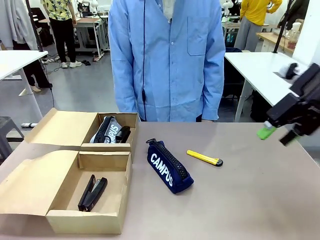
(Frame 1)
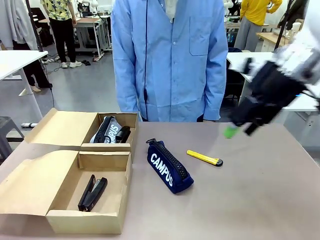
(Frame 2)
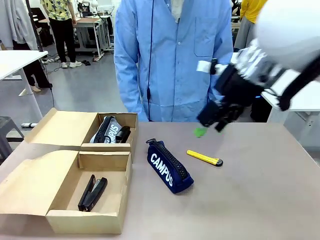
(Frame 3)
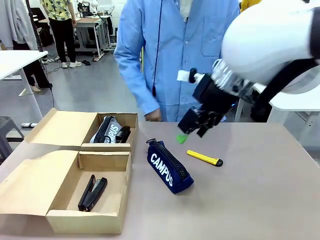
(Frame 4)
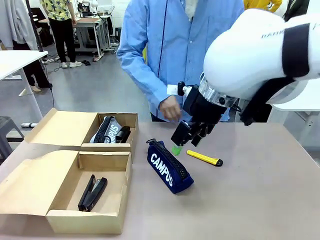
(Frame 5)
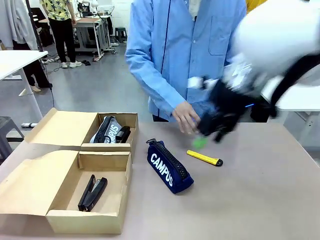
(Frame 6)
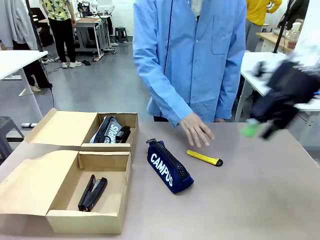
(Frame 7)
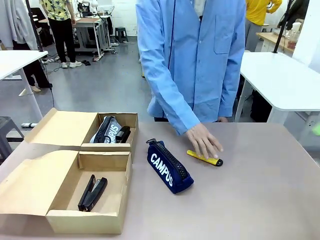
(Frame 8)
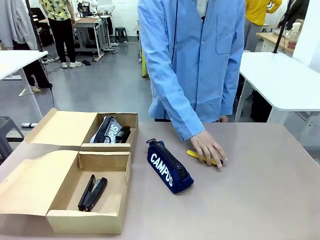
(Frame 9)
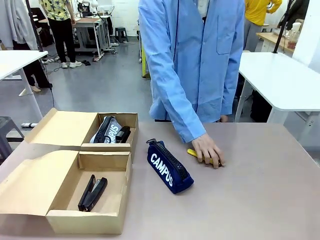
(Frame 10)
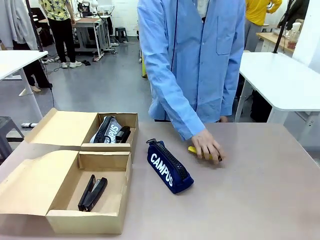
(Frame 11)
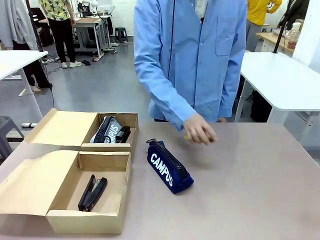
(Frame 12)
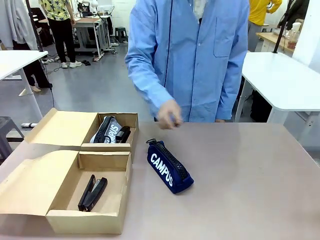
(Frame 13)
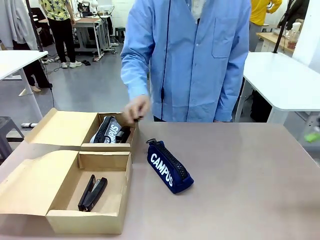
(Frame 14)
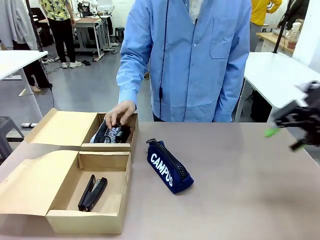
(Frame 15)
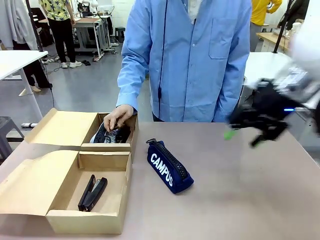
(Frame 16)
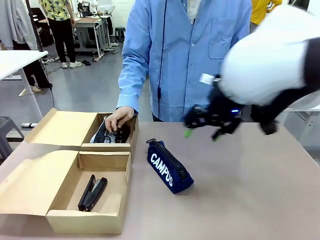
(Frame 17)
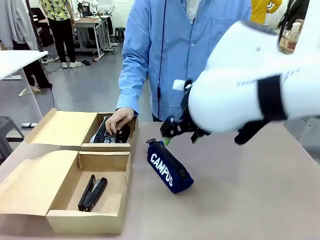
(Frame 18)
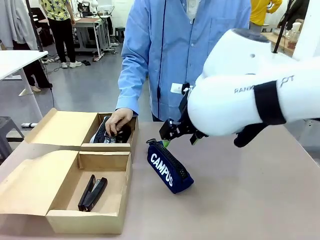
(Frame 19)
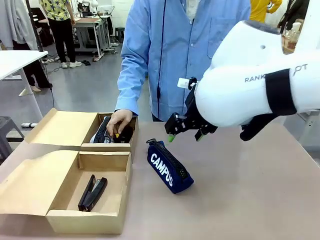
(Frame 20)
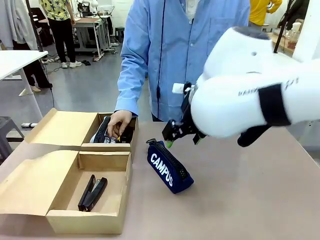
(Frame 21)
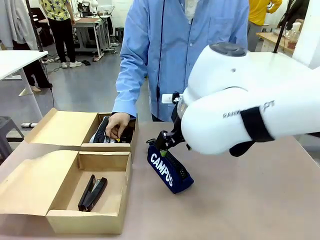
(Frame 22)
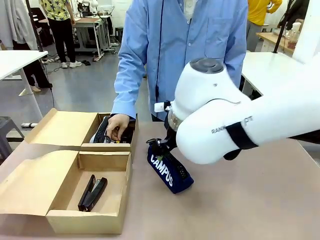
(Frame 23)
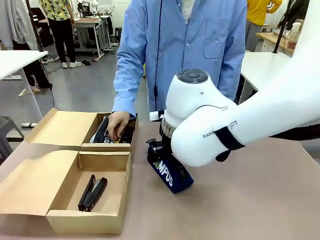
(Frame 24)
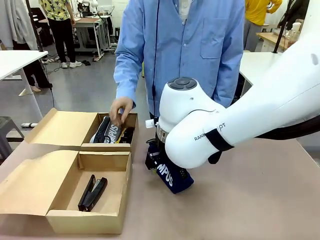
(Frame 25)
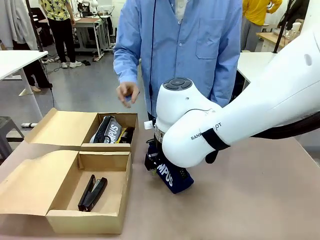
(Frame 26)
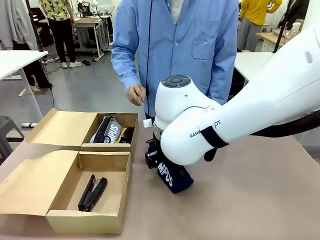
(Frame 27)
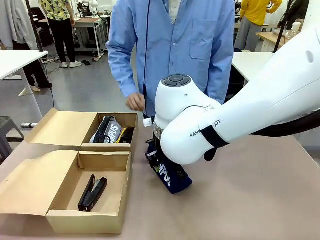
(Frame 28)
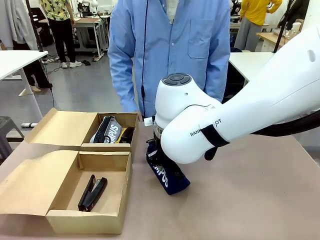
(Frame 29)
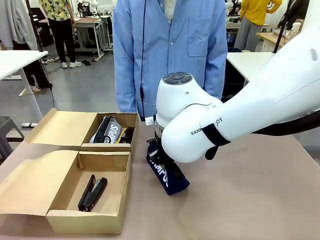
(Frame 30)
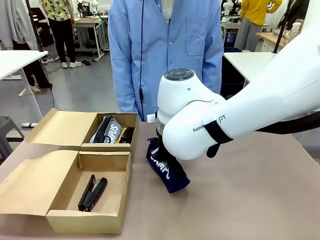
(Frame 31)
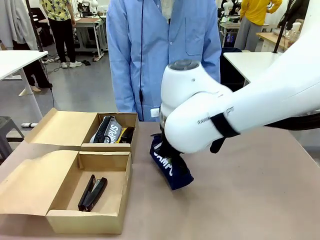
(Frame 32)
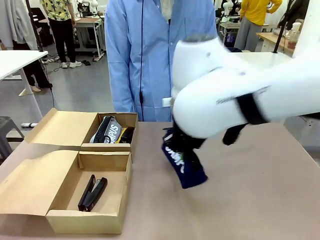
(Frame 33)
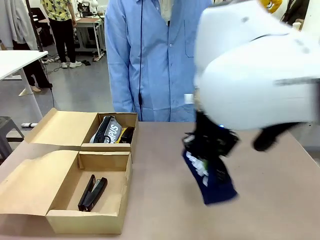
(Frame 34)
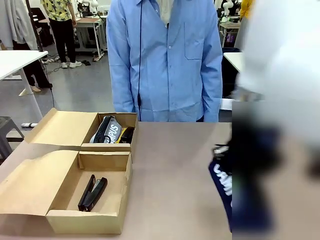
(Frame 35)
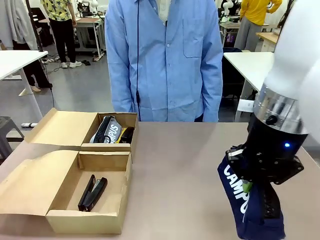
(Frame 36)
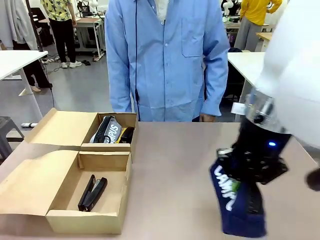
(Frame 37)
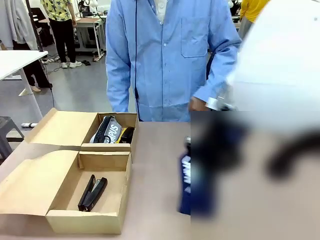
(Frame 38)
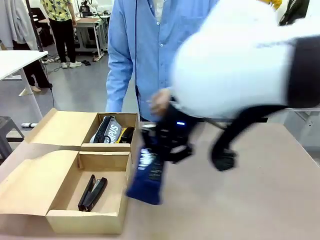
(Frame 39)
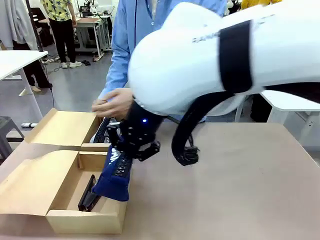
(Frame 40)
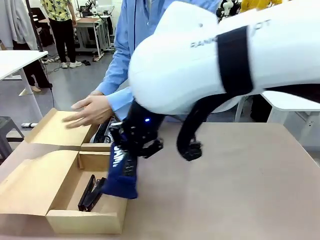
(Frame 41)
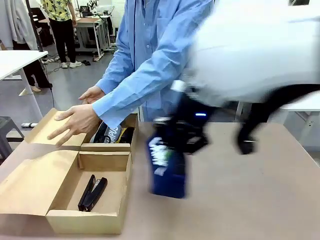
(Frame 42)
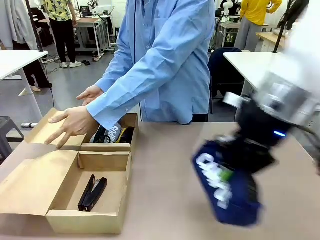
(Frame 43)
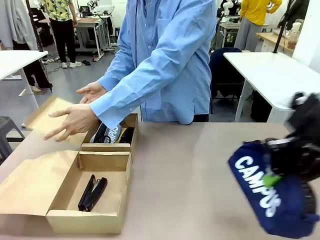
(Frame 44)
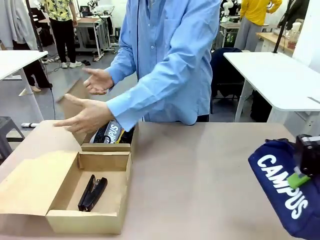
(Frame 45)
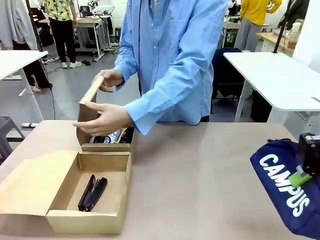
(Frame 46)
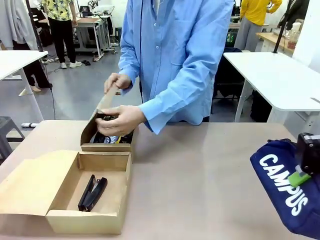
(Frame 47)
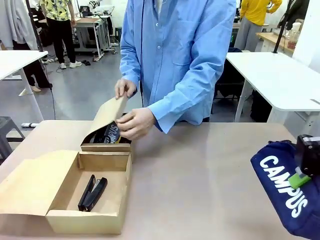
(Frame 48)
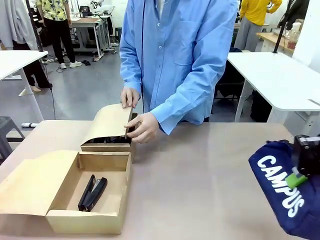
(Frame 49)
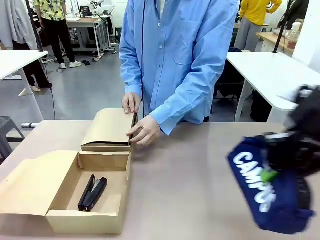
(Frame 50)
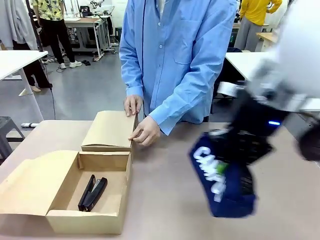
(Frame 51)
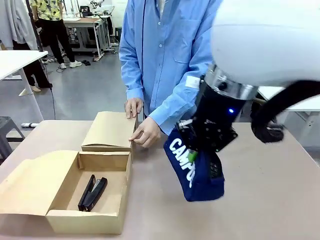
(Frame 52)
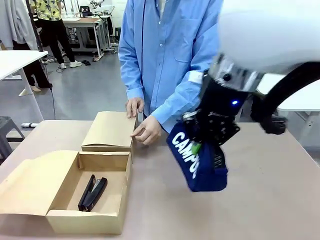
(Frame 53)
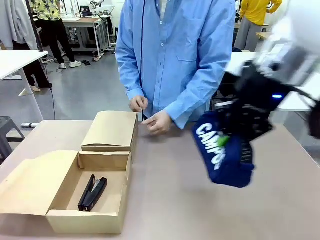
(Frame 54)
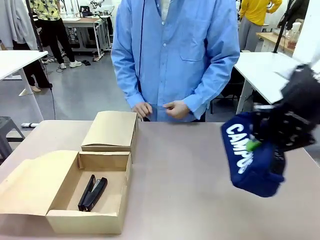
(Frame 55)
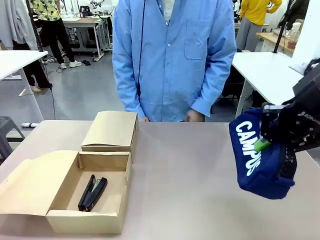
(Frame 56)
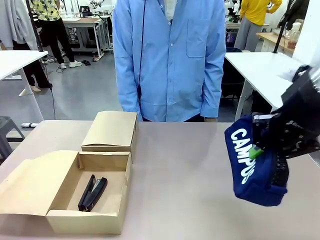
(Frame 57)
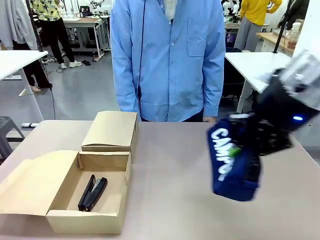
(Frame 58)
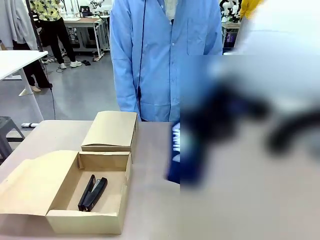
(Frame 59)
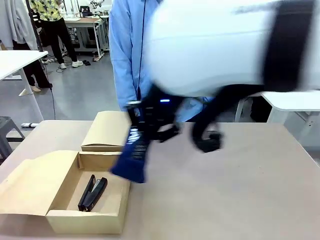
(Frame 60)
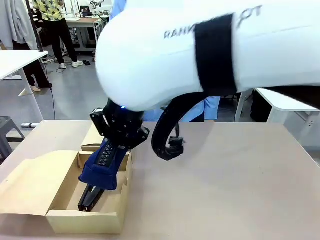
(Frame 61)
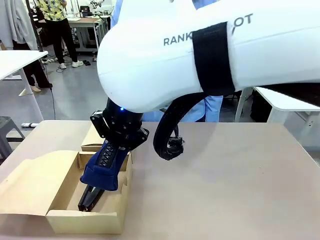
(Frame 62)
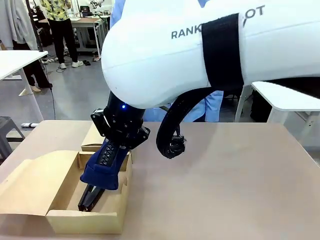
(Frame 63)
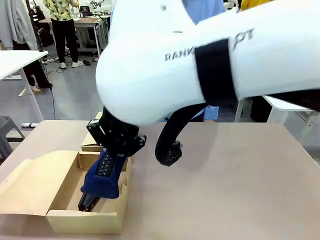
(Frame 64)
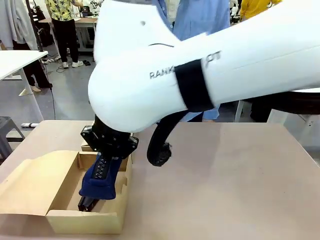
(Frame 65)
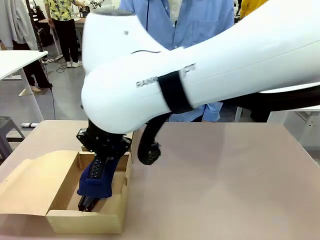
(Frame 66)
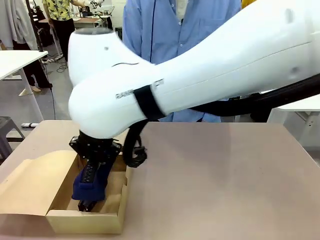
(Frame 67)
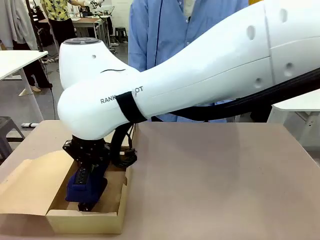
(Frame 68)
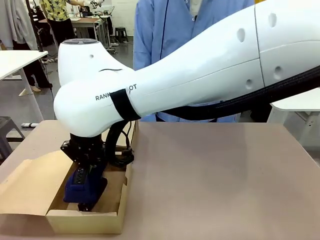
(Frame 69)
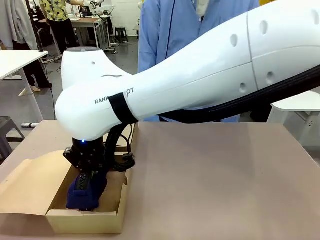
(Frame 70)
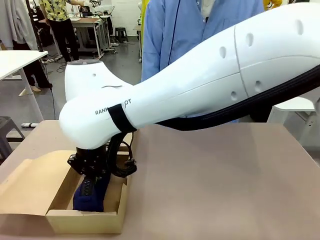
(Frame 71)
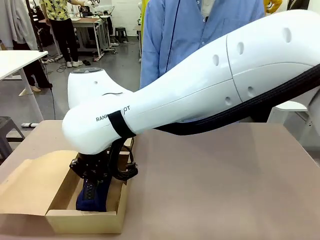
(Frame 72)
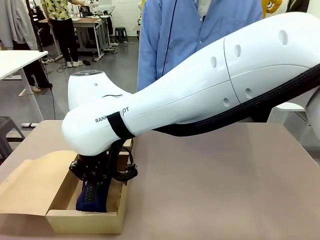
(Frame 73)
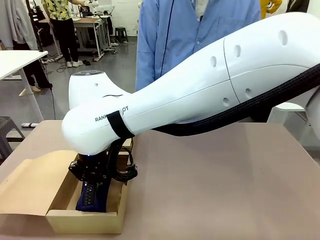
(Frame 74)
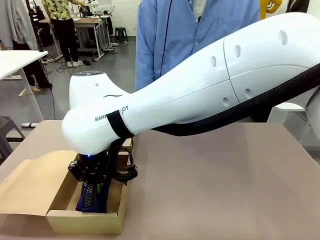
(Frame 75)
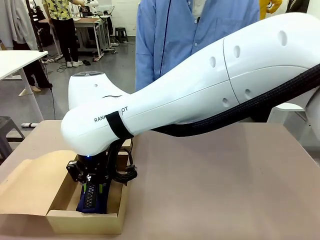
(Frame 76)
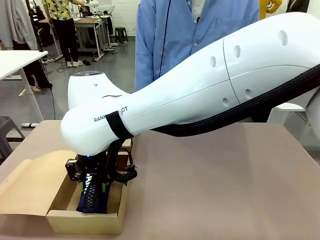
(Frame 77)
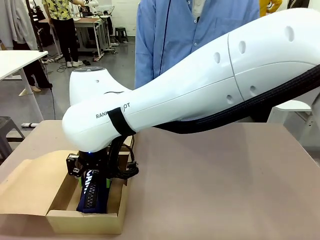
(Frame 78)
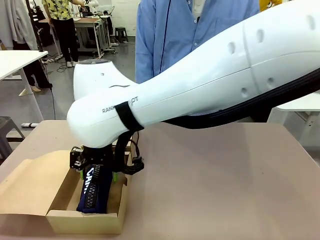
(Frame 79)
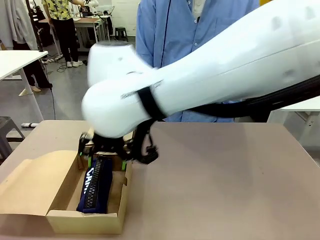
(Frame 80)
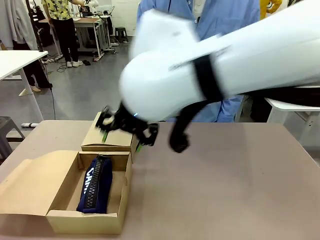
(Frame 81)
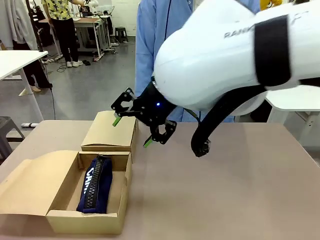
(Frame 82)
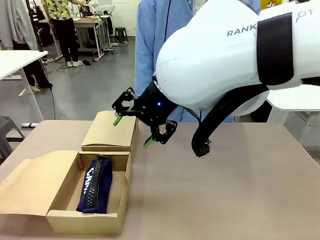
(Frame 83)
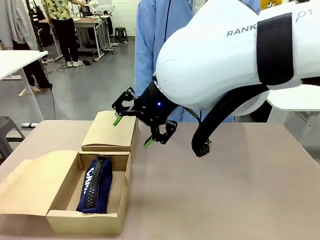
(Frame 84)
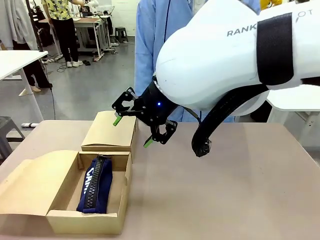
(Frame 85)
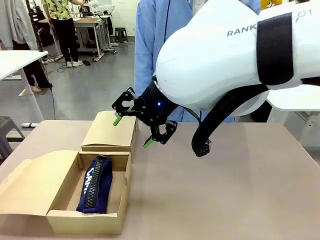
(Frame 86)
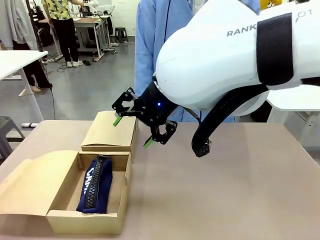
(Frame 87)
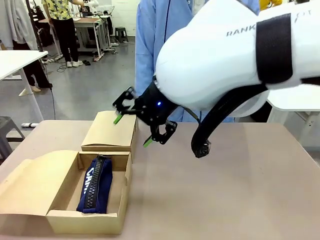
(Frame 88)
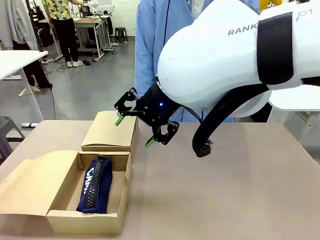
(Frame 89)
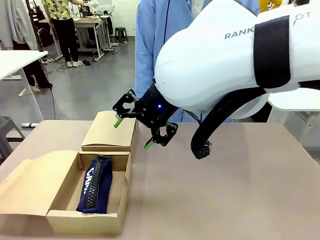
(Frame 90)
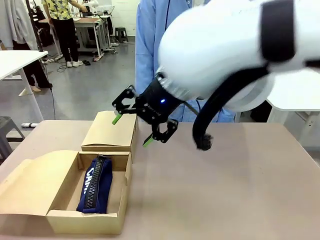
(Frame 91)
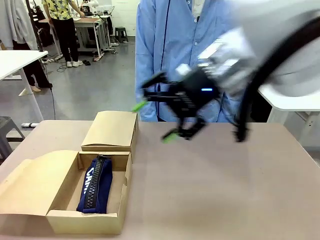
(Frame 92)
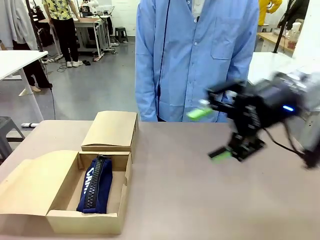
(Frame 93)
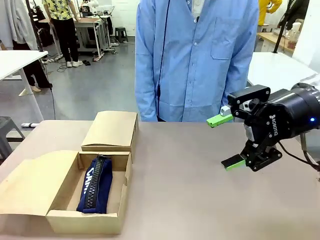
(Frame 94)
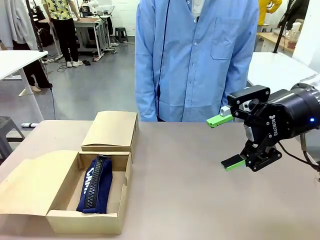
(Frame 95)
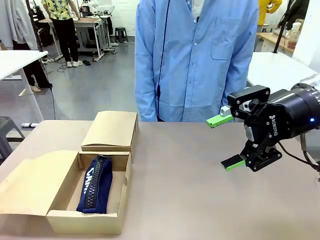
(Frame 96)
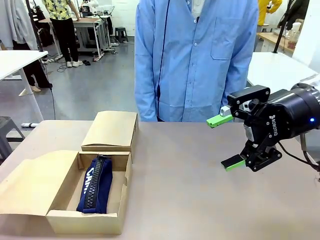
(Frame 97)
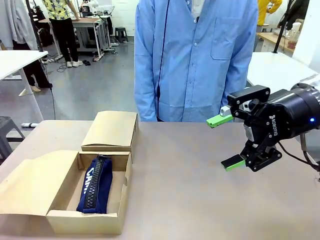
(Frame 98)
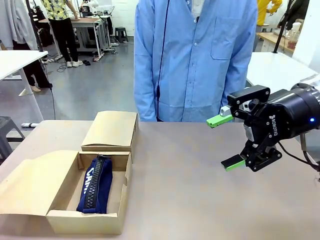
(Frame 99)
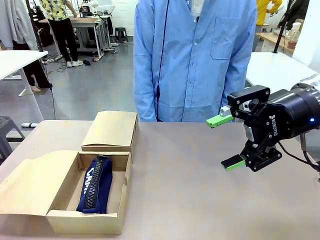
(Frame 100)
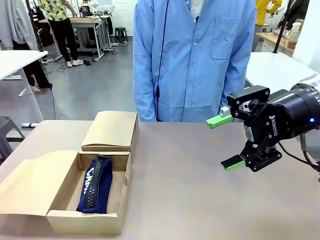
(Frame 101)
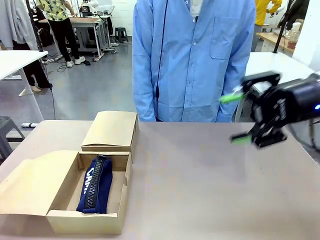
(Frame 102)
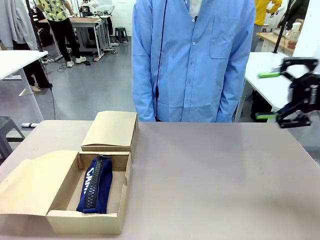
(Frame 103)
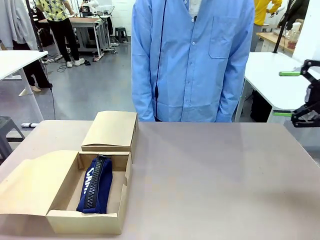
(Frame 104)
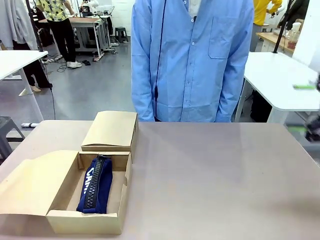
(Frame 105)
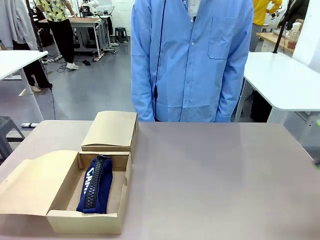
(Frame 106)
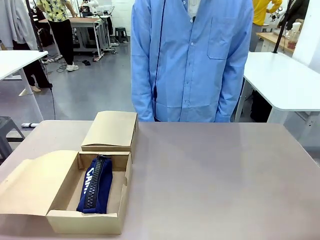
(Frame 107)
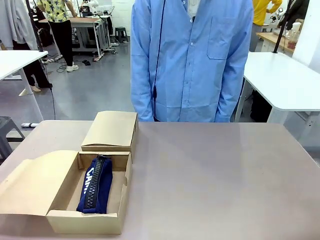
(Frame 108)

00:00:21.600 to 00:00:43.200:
Task: Place items inside the box.
Robot: Pick up a Pencil pouch or Stapler and place it inside the Mailer Box closest to the robot.
Person: Close the lid of the box facing the person.
